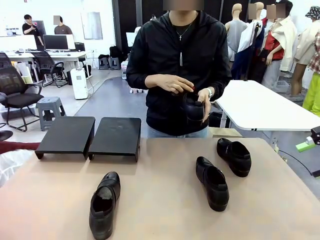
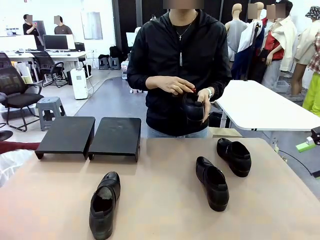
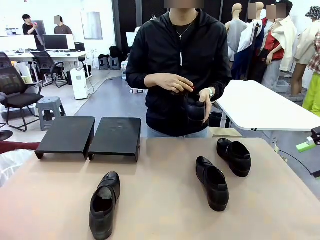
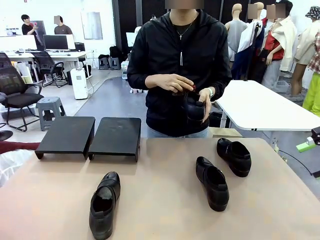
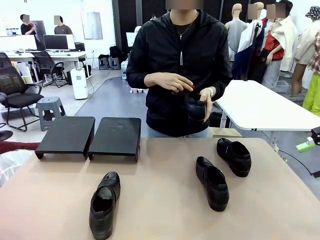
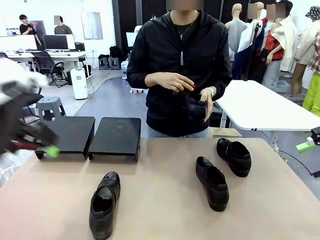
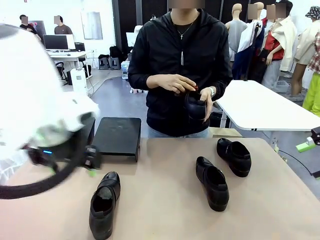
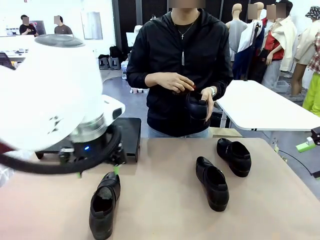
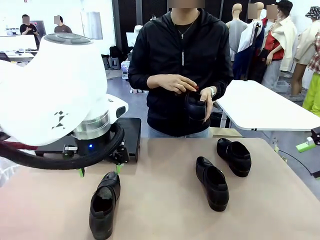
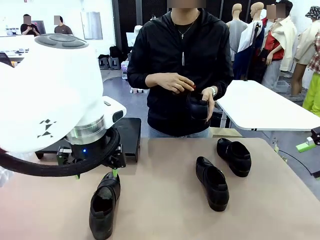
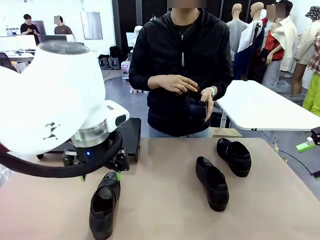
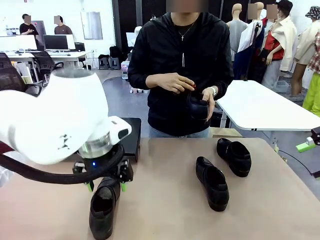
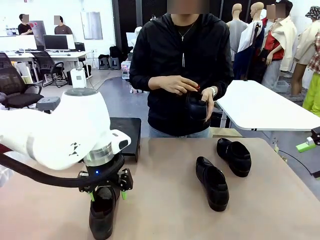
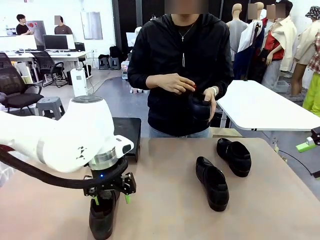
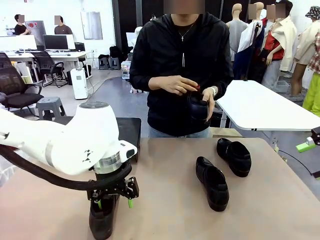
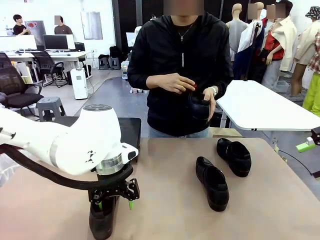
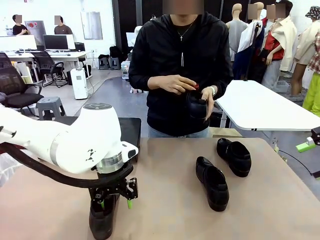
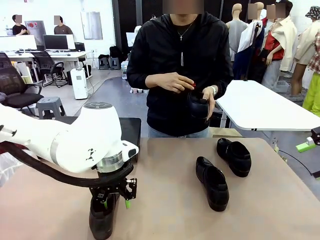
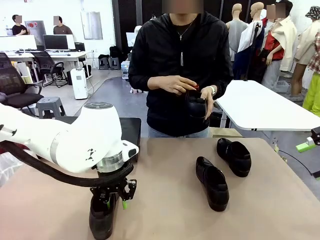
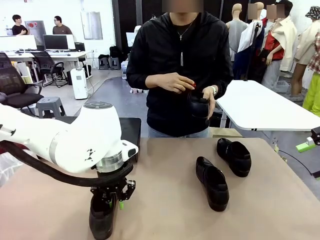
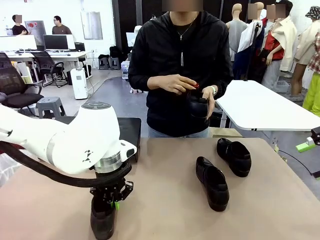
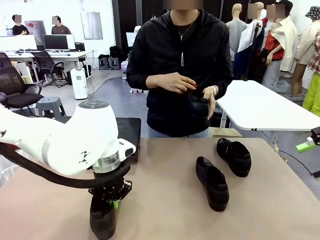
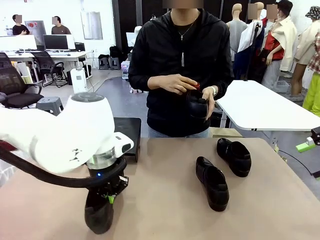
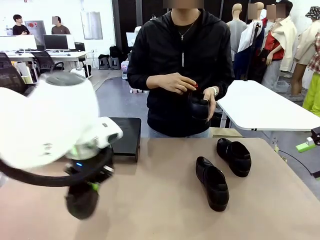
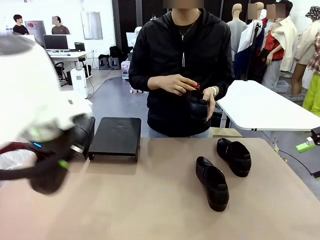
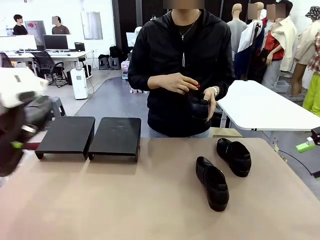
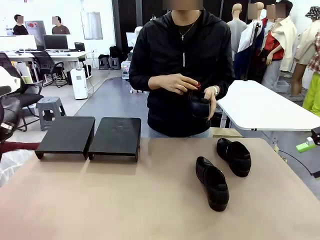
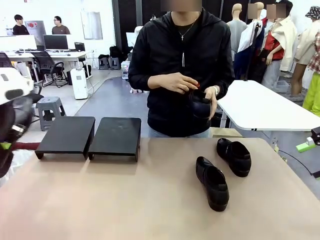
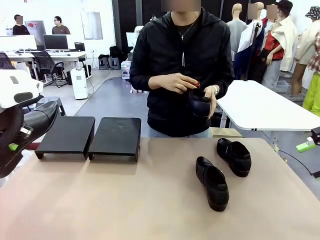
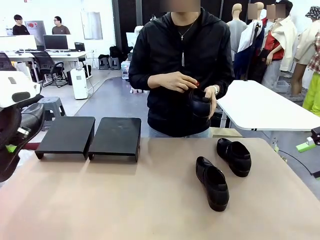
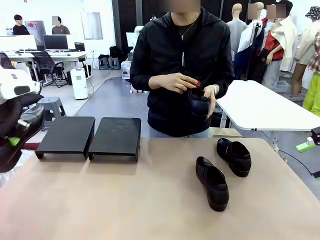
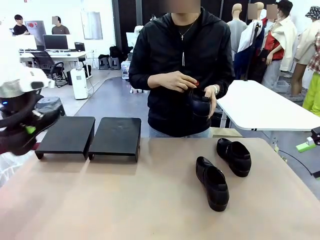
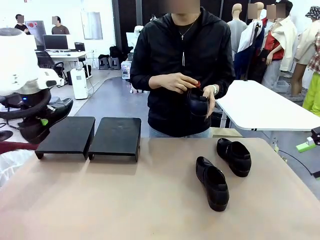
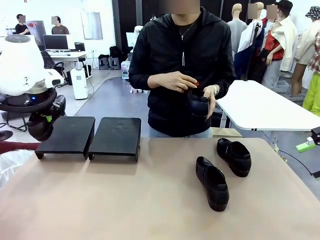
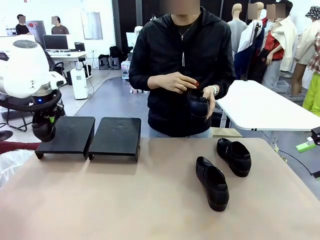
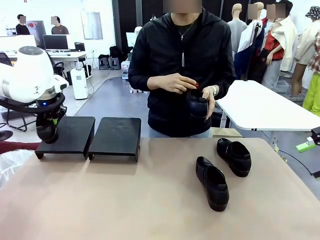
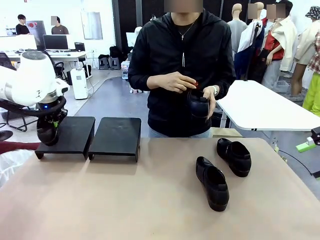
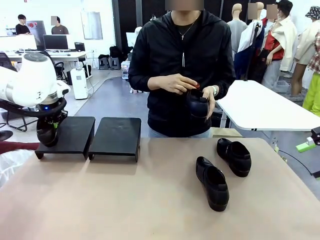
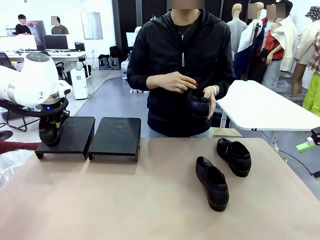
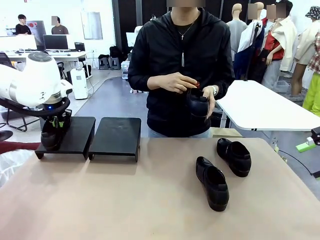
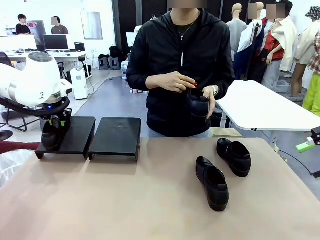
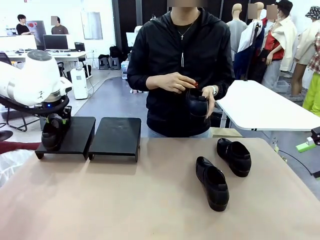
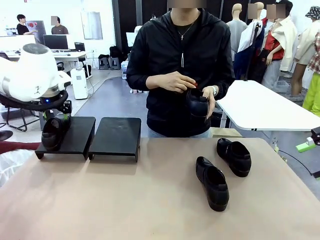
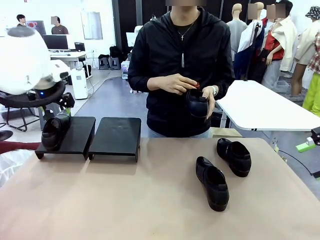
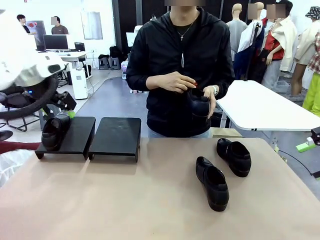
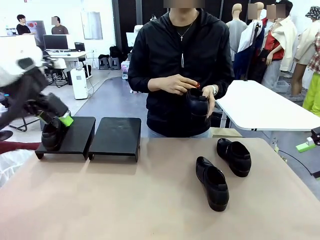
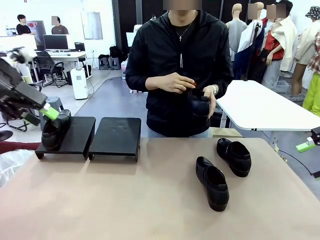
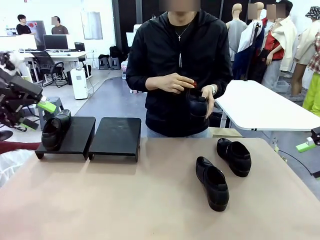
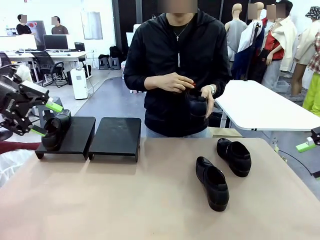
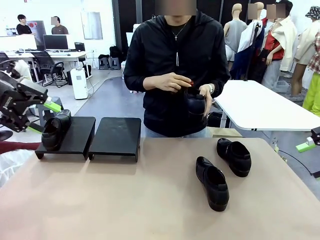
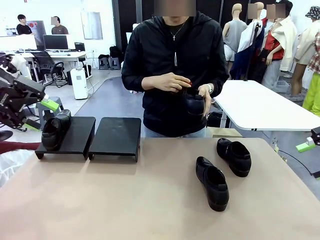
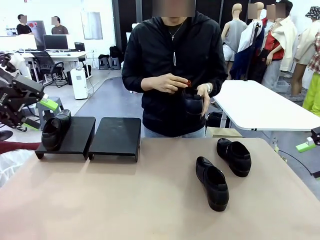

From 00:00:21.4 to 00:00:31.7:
Task: Organize the shoes by placing them on the stand.
Robot: Place the Shoe from the middle of the table onto the Shoes Stand.
Person: Clean the Shoe with the Shoe Brush.

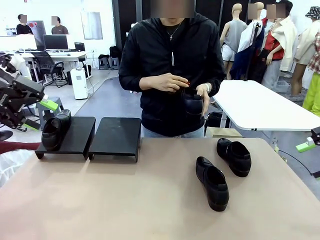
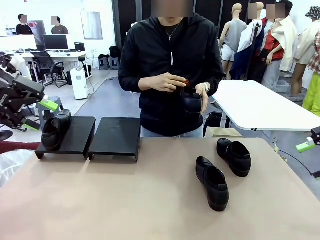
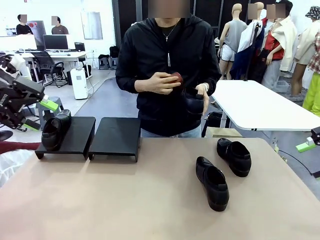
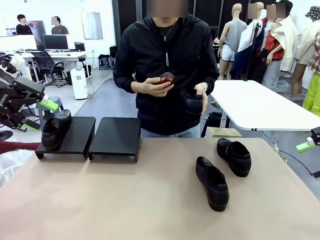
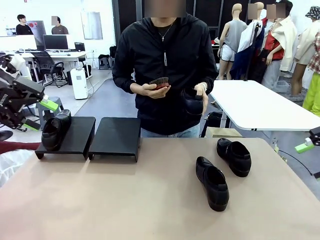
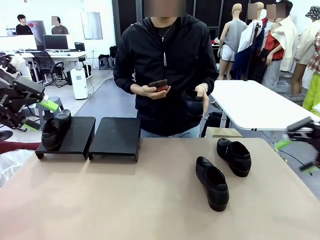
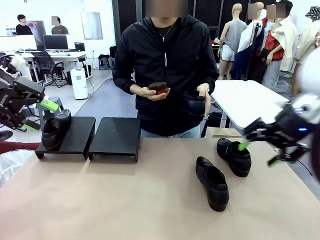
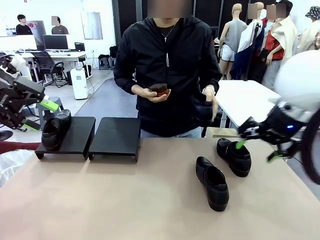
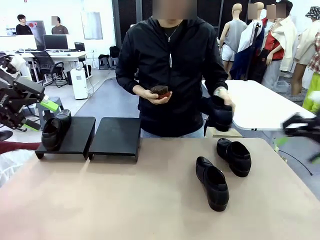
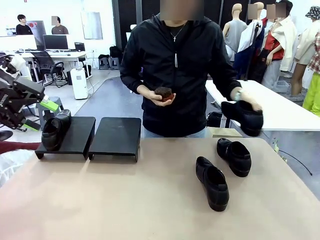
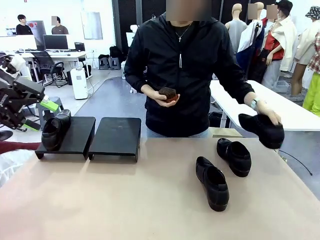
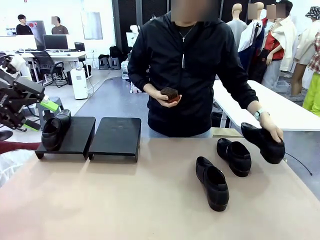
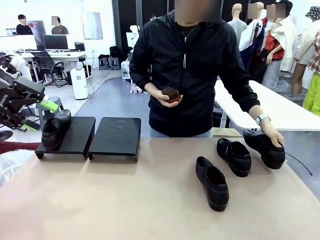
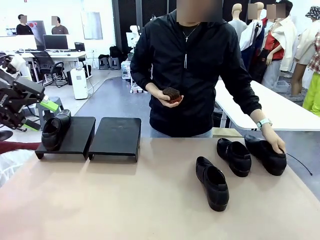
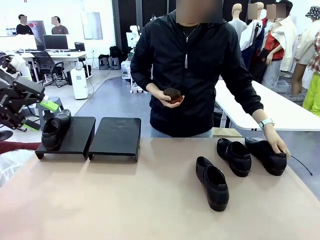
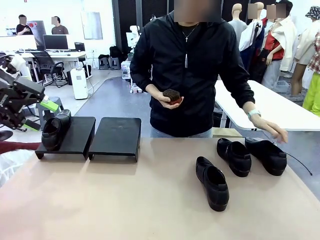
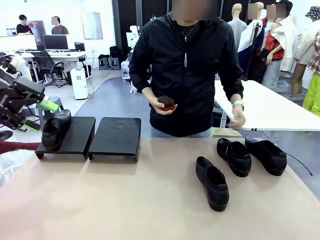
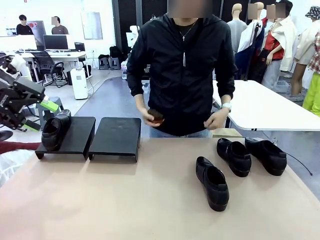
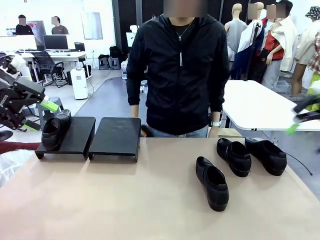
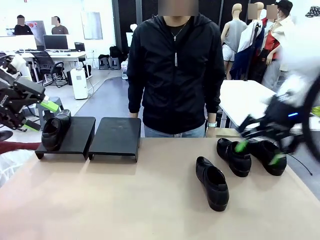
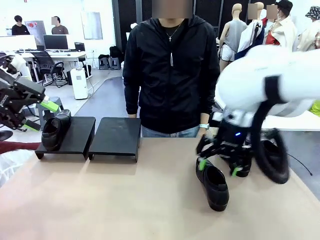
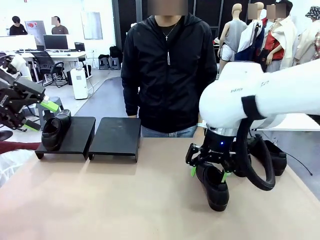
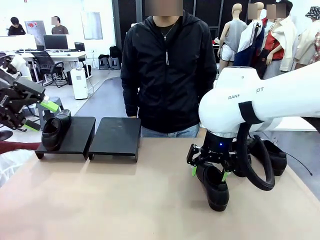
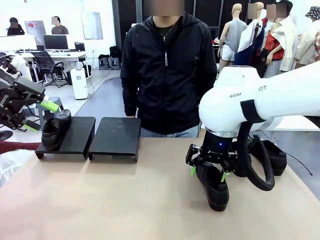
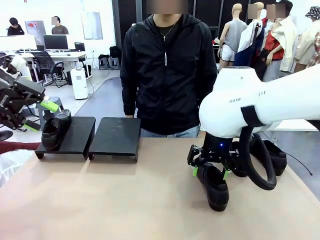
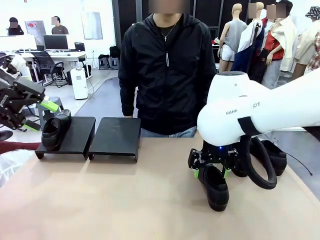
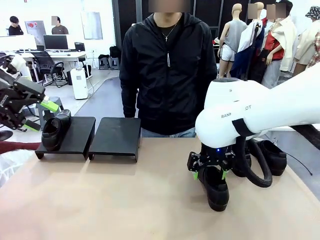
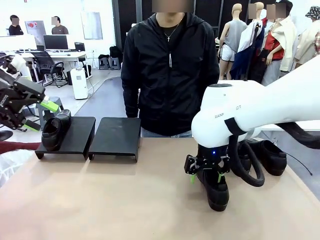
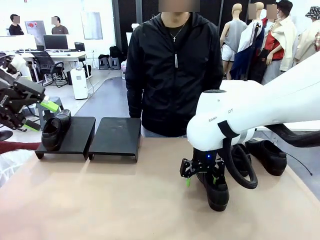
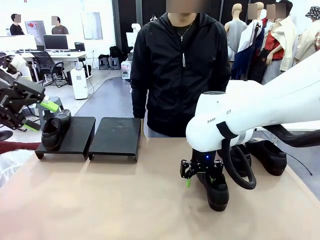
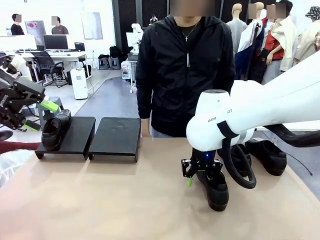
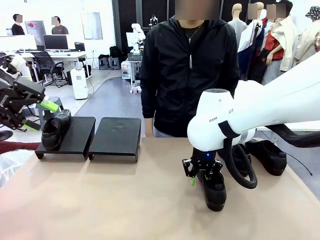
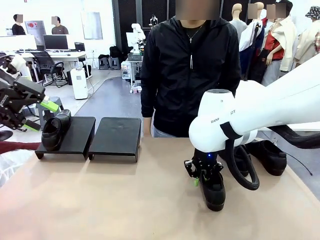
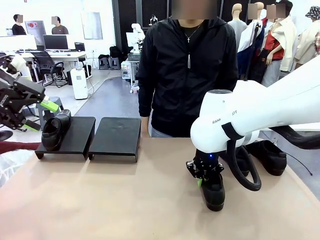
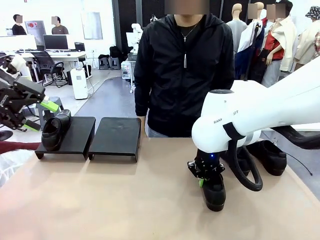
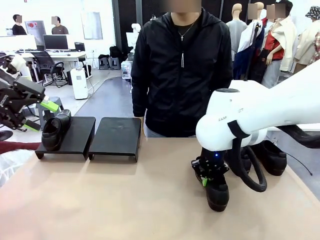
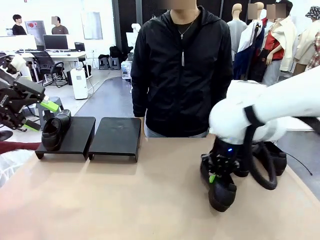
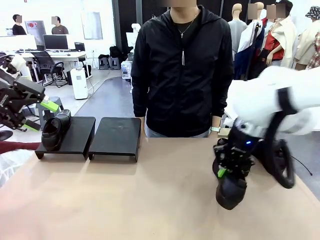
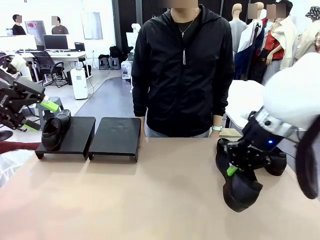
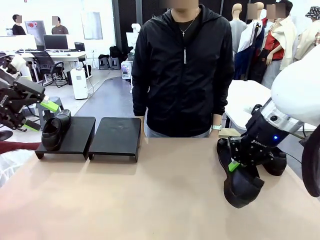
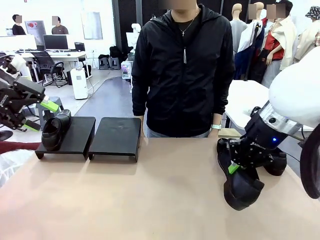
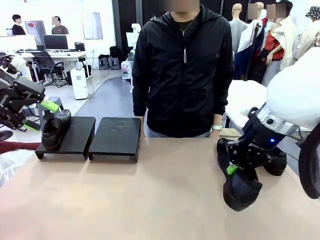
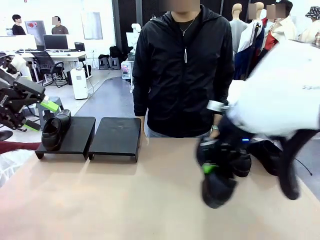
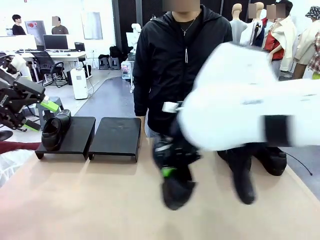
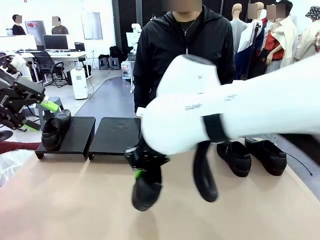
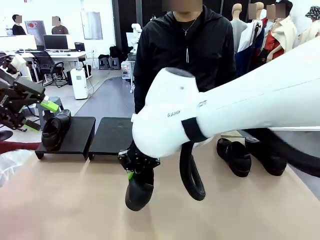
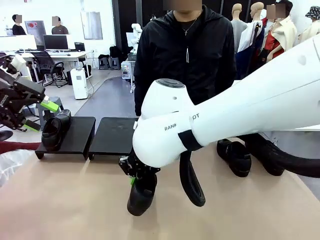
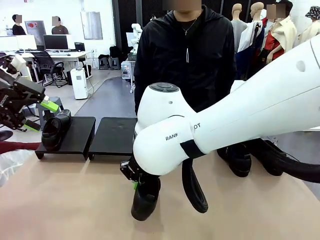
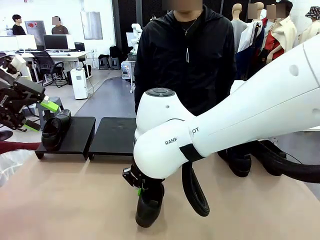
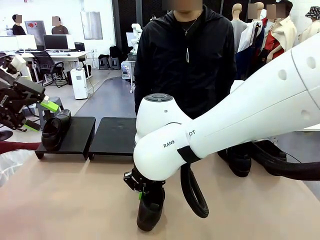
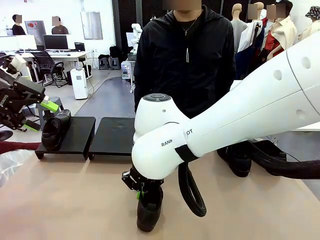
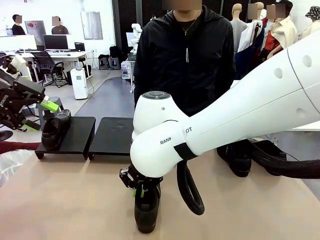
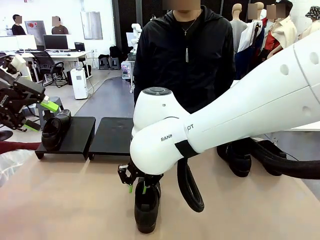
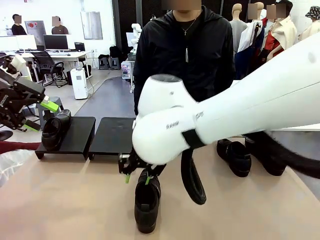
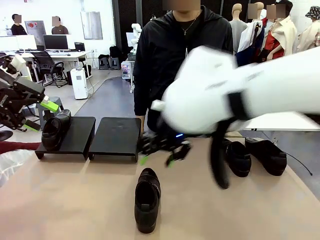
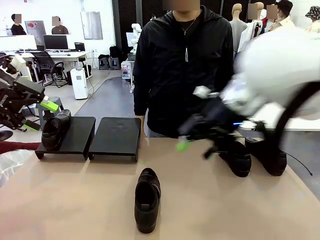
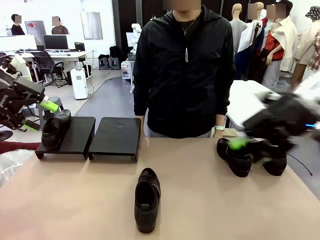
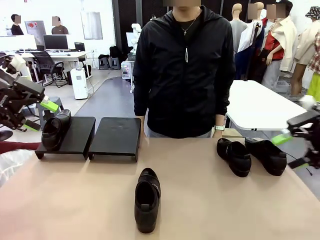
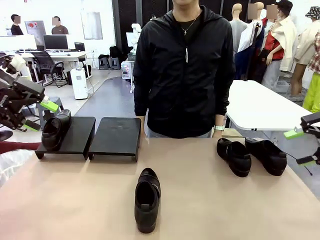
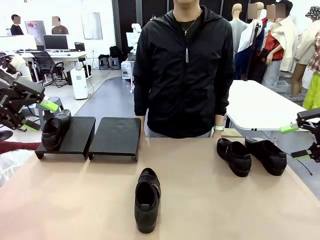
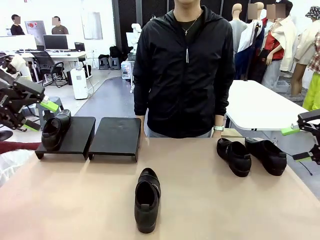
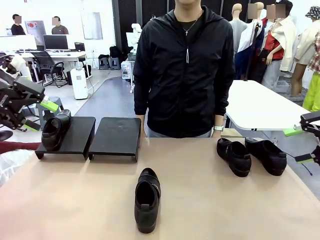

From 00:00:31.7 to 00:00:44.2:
Robot: Pick up one Shoe and place it in the middle of the table.
